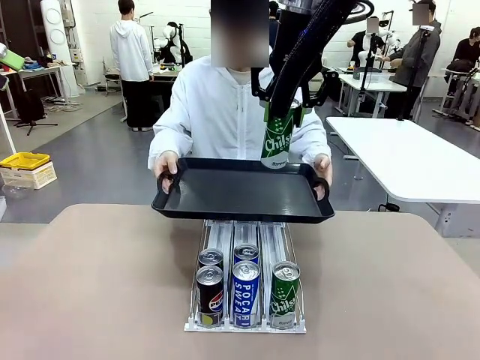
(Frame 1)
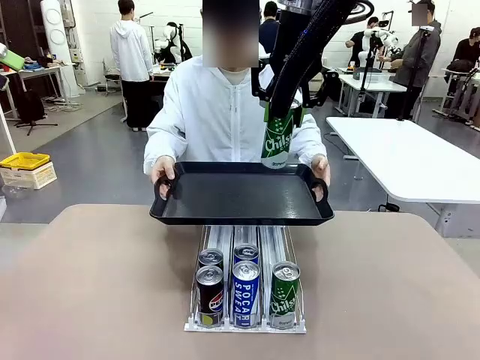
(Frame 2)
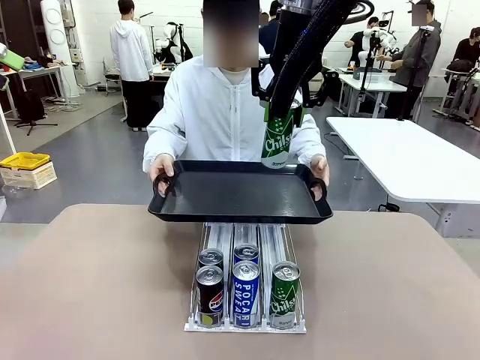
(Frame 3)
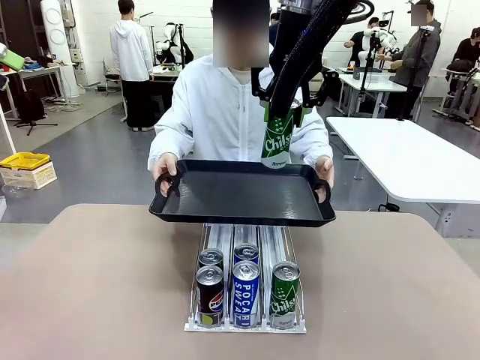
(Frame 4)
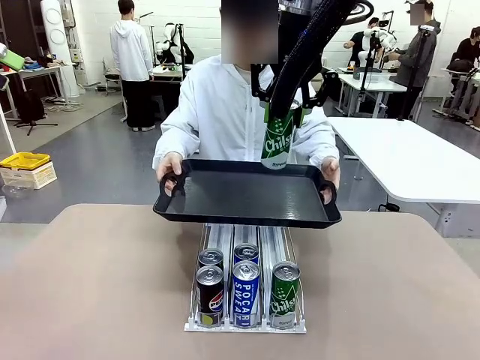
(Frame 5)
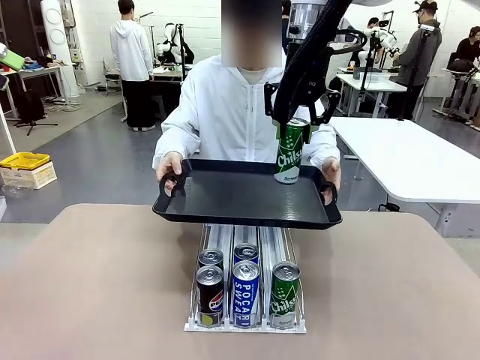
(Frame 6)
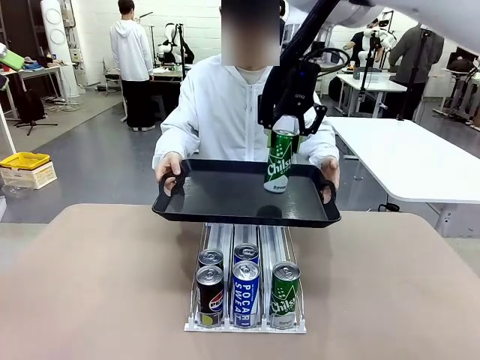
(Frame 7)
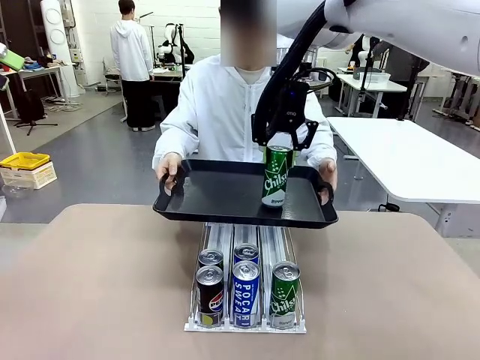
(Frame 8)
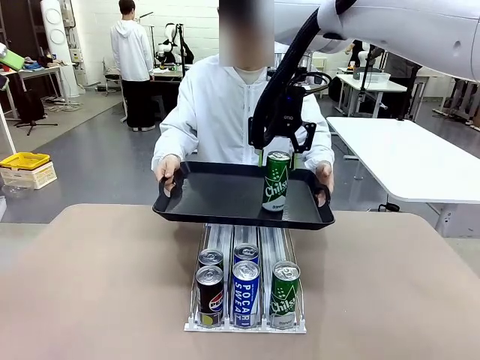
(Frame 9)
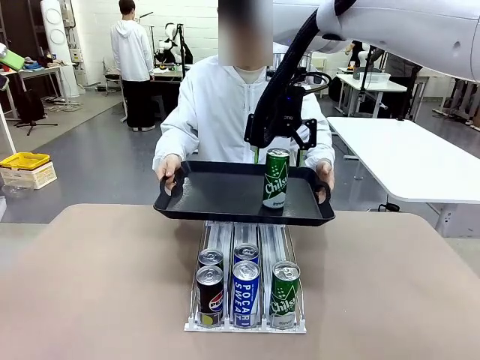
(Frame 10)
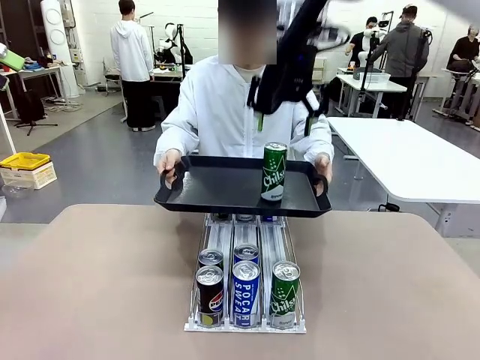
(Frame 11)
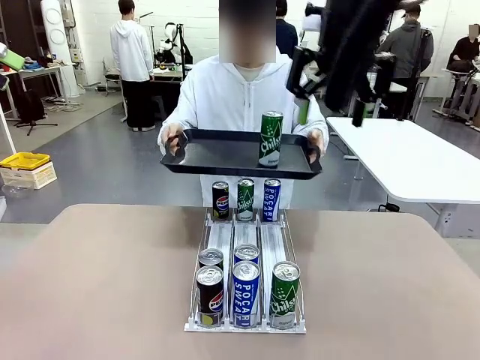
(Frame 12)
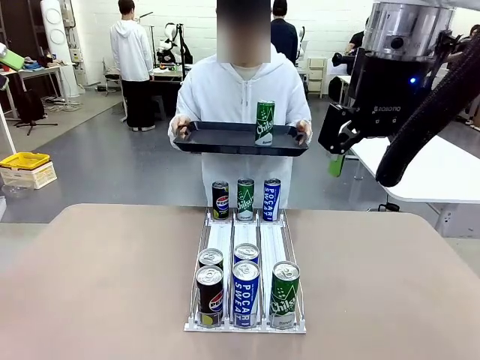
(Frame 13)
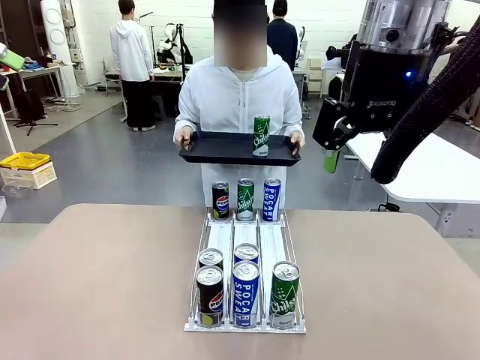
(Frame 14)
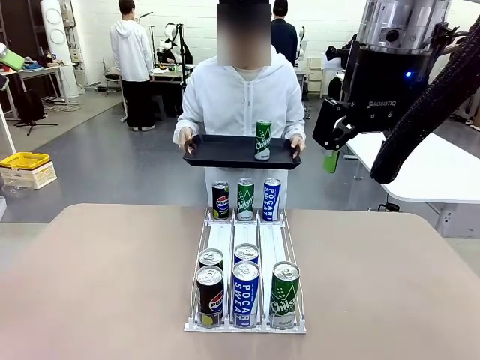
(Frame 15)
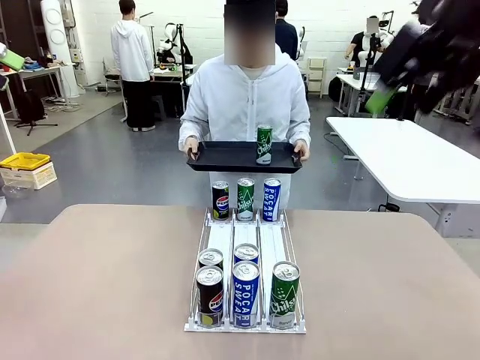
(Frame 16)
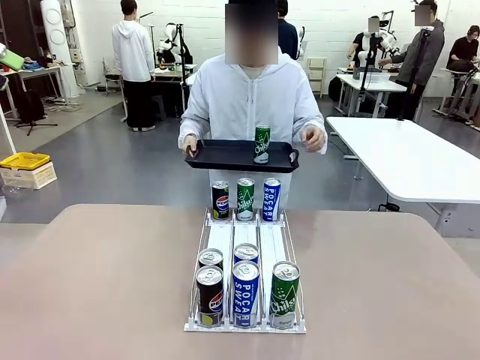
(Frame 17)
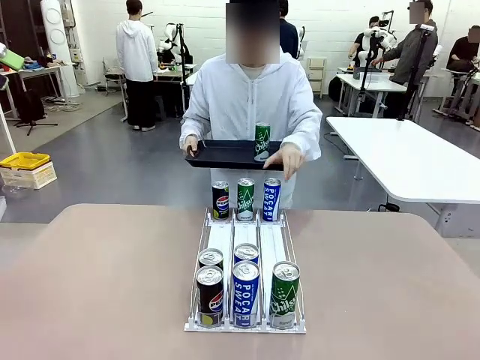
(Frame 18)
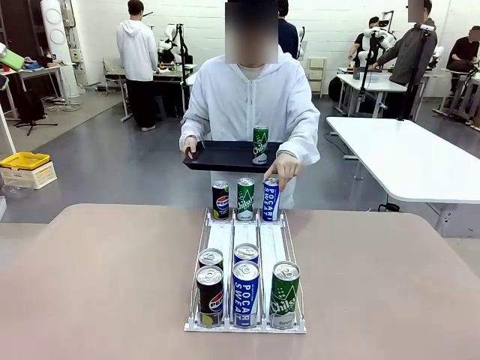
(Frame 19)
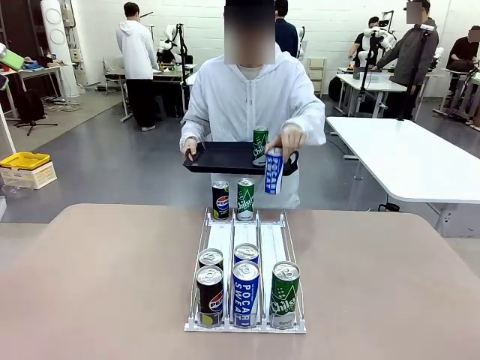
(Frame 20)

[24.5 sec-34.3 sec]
Task: Retrieve and hand over the desired beverage to the person.
Robot: Place the picked can on the Handle tray extended by the person.
Person: Pull the tray back, then pick up another can from the bottom area of the table and puts it back in its original place.

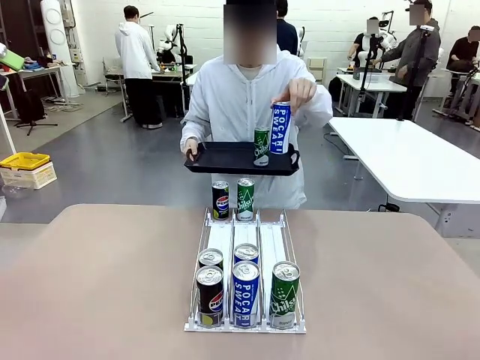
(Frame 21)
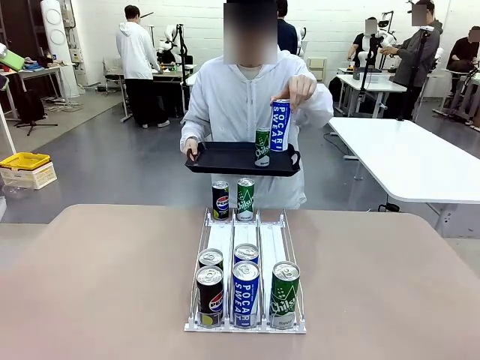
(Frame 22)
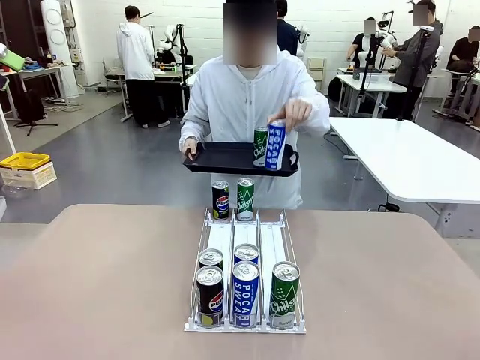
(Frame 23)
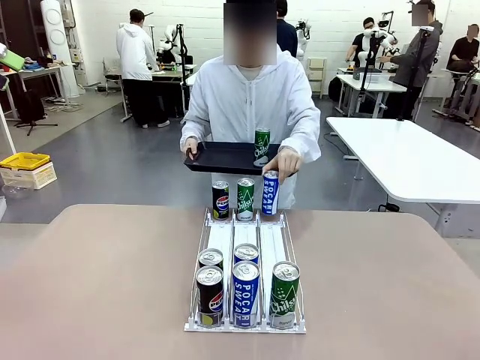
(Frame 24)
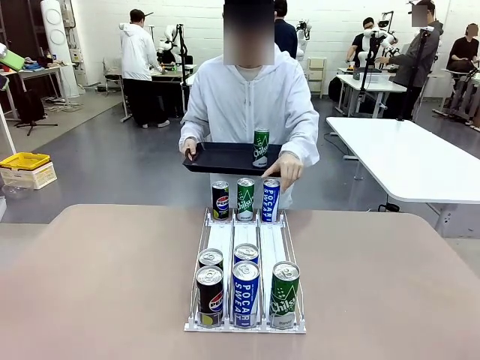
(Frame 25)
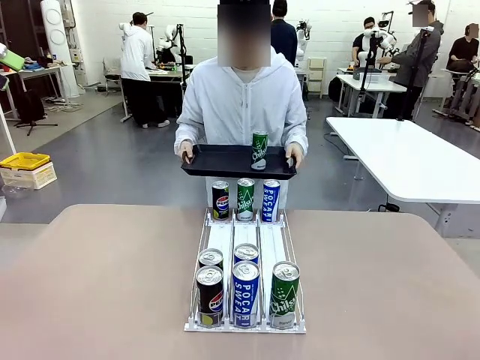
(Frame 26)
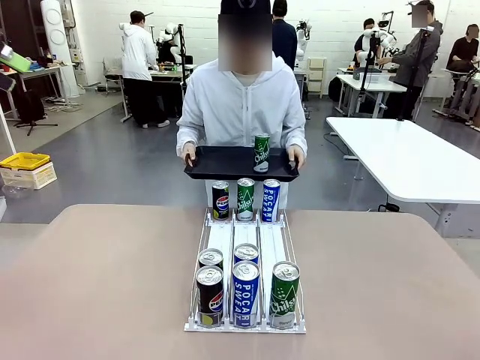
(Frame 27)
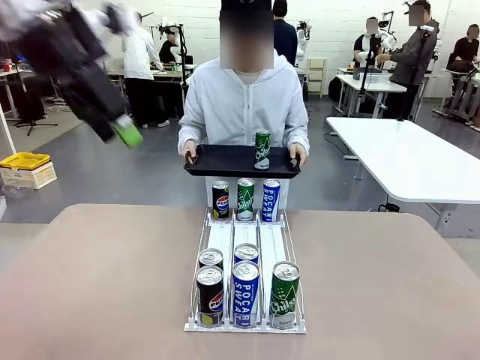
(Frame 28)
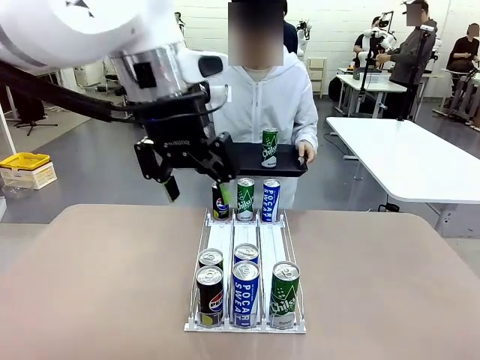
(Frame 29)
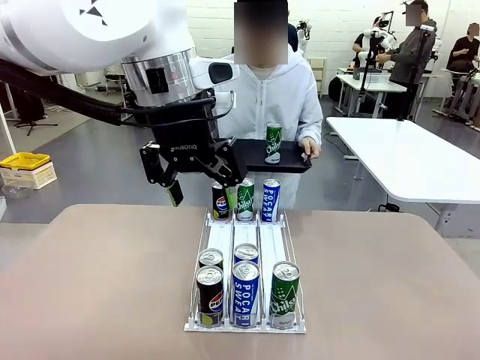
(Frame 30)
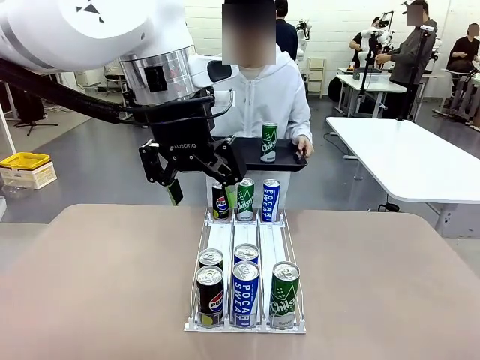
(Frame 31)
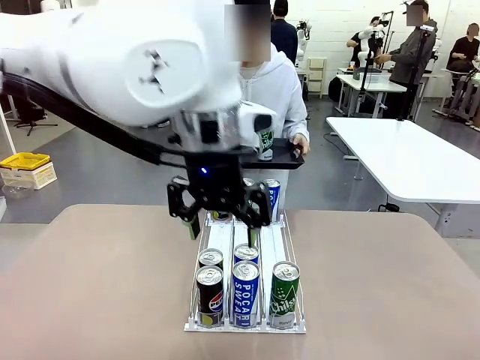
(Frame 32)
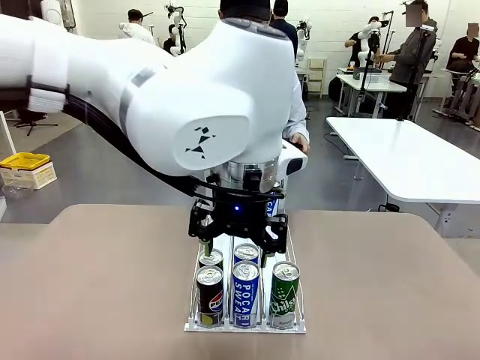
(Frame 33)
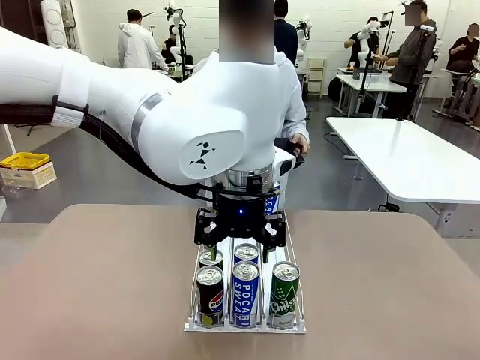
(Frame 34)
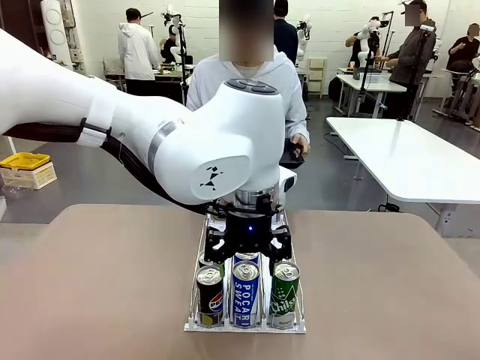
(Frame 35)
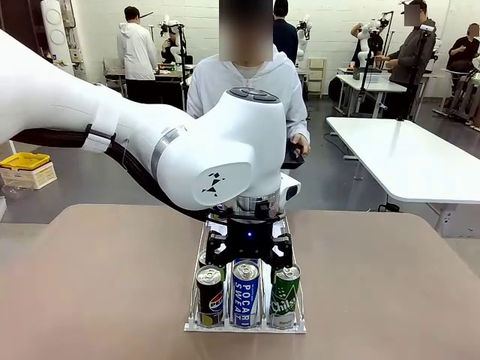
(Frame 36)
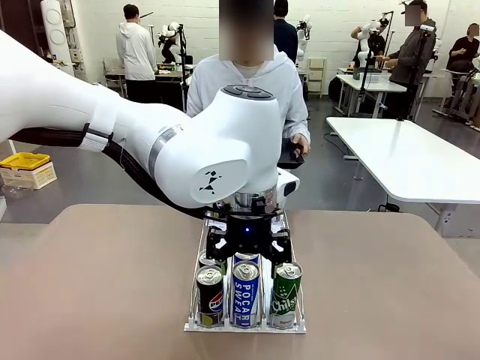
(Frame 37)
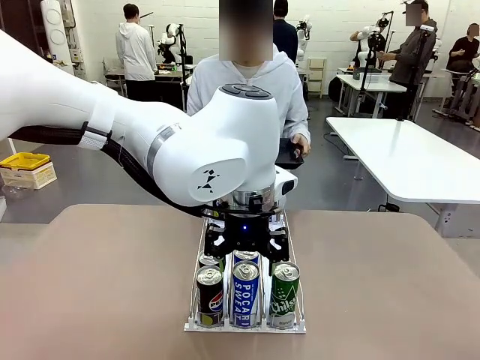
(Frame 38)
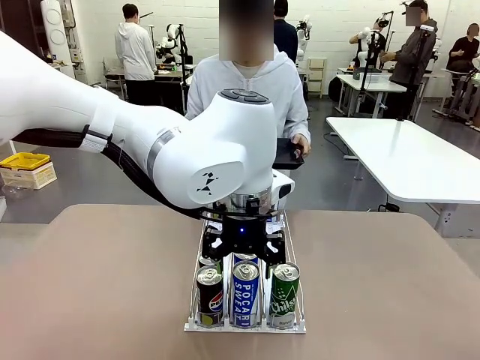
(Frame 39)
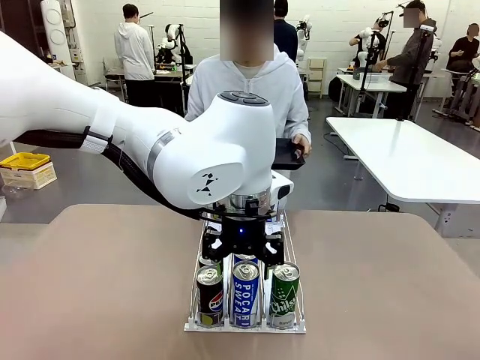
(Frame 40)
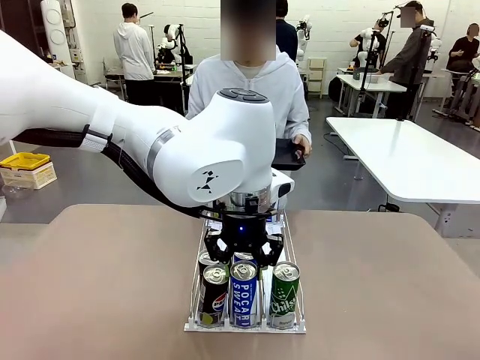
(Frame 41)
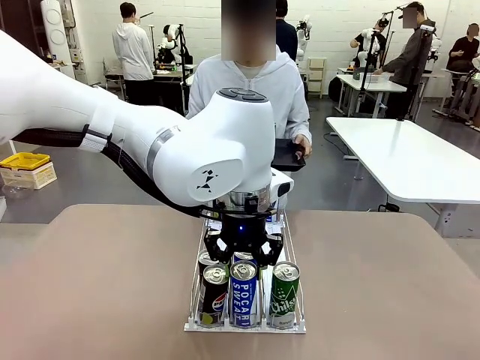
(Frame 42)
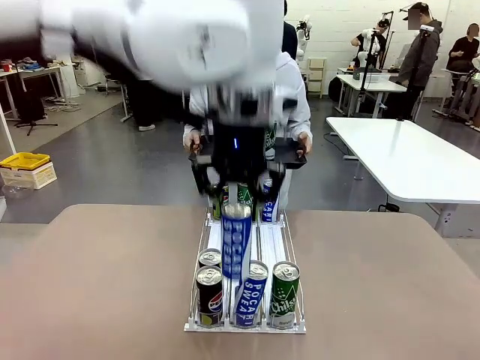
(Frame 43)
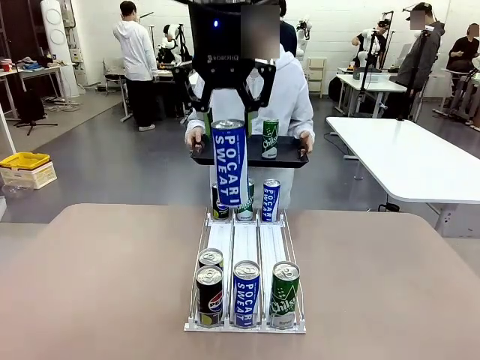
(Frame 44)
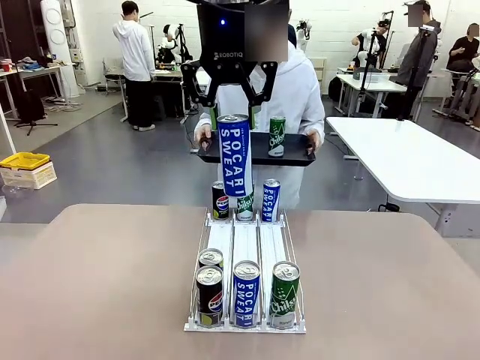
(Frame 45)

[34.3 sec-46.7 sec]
Robot: Pick up another can of the same type that the person held from the Automatic Can Dispenser.
Person: Push the tray toward the robot again.
